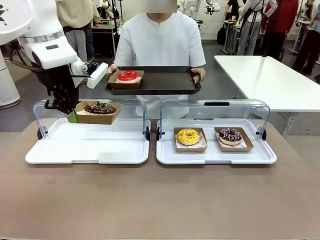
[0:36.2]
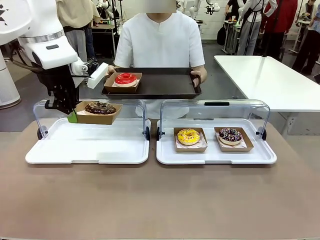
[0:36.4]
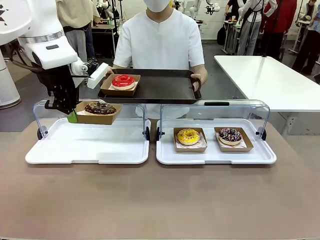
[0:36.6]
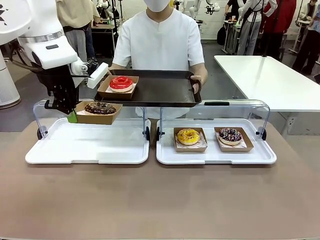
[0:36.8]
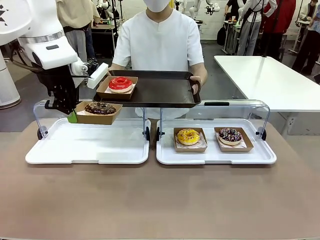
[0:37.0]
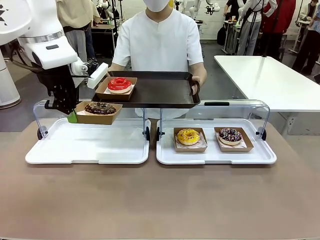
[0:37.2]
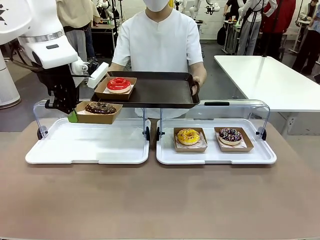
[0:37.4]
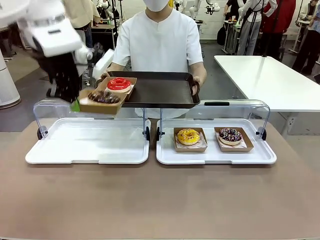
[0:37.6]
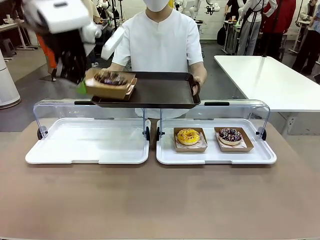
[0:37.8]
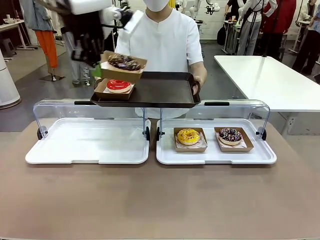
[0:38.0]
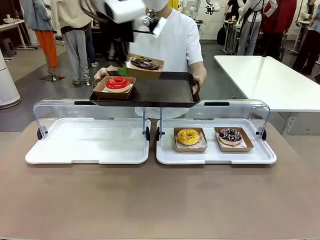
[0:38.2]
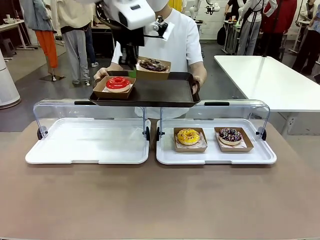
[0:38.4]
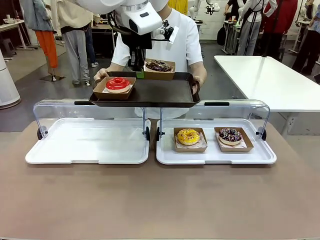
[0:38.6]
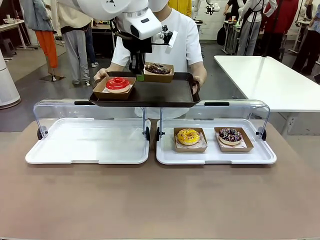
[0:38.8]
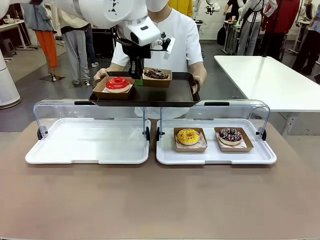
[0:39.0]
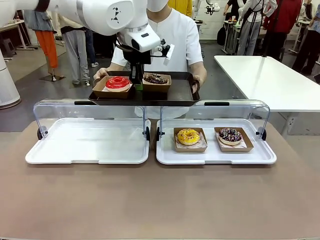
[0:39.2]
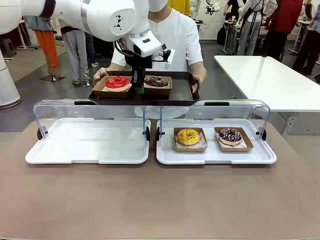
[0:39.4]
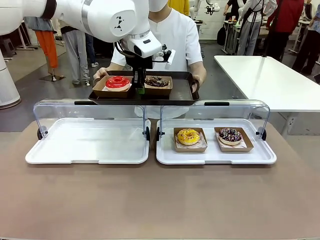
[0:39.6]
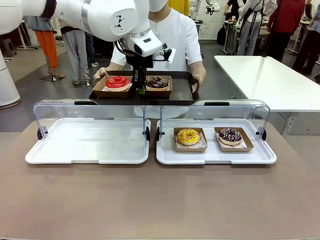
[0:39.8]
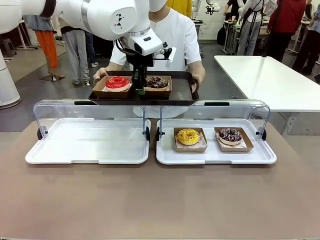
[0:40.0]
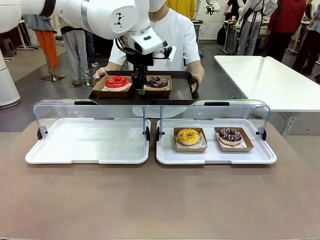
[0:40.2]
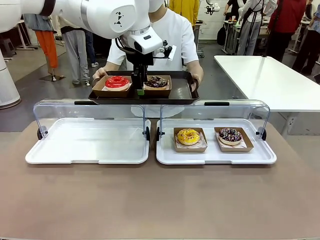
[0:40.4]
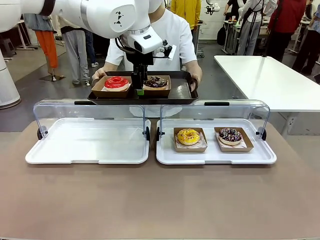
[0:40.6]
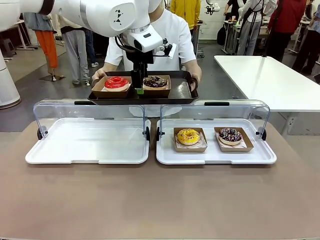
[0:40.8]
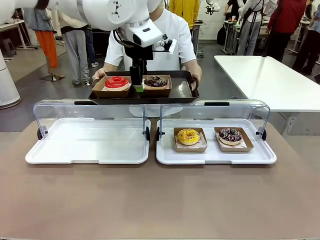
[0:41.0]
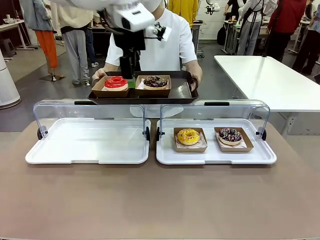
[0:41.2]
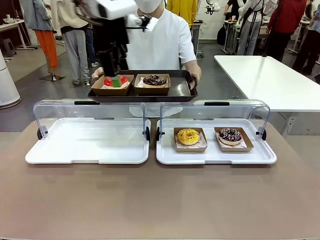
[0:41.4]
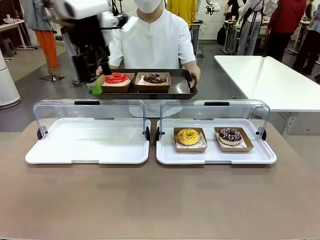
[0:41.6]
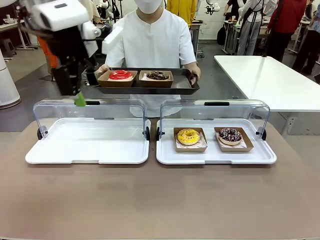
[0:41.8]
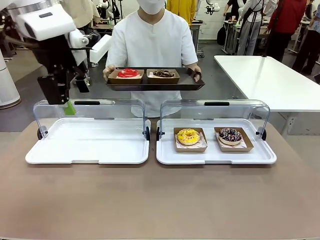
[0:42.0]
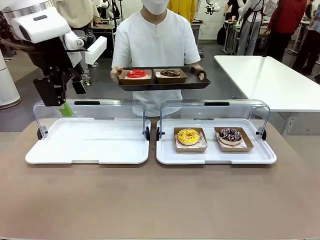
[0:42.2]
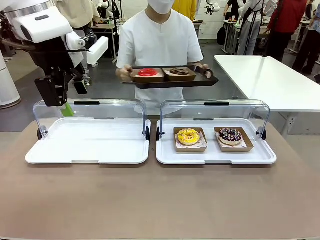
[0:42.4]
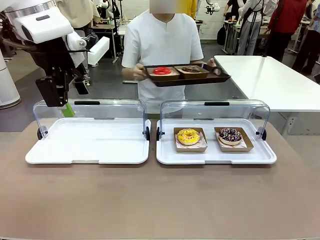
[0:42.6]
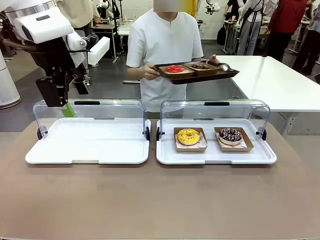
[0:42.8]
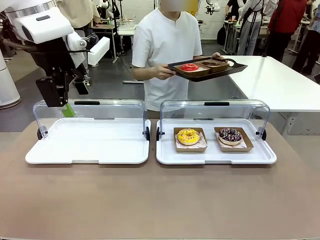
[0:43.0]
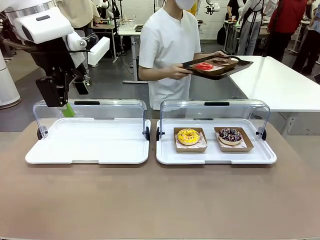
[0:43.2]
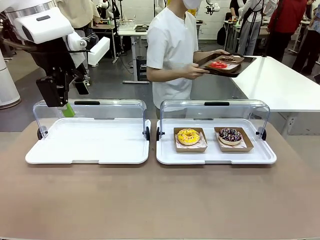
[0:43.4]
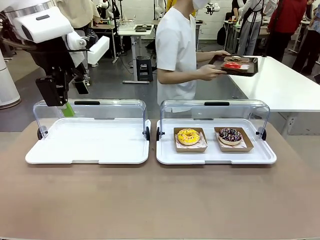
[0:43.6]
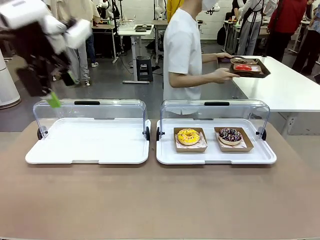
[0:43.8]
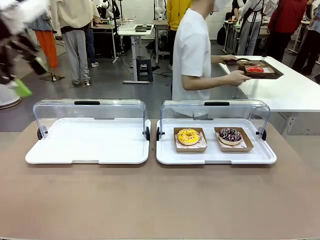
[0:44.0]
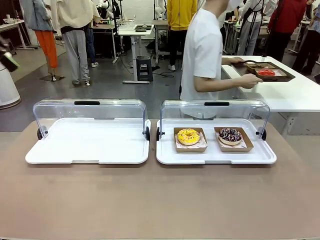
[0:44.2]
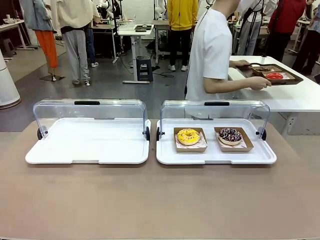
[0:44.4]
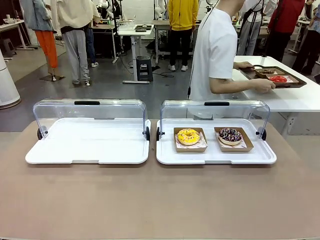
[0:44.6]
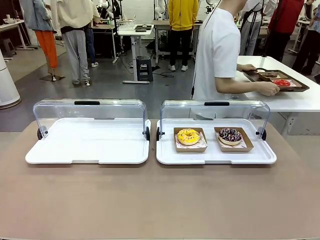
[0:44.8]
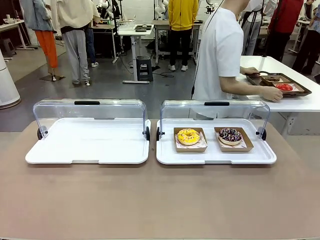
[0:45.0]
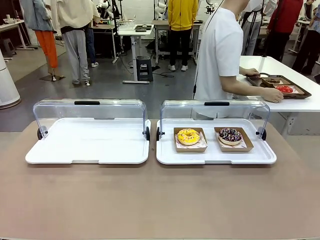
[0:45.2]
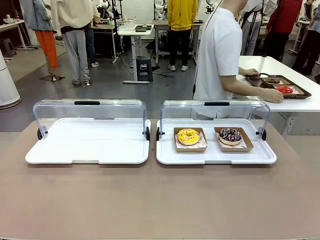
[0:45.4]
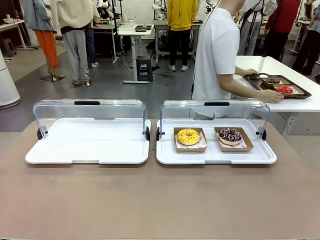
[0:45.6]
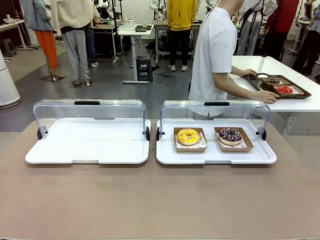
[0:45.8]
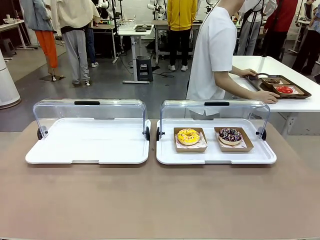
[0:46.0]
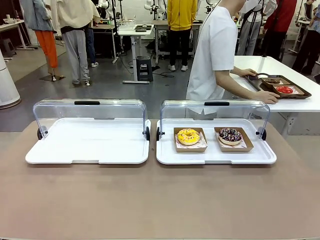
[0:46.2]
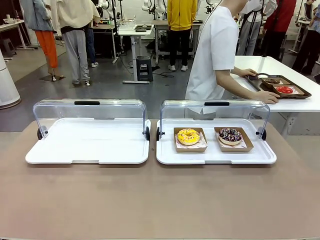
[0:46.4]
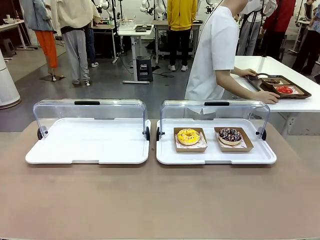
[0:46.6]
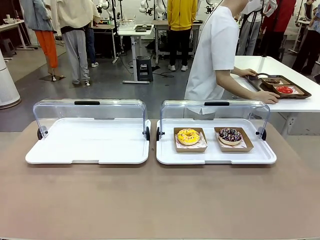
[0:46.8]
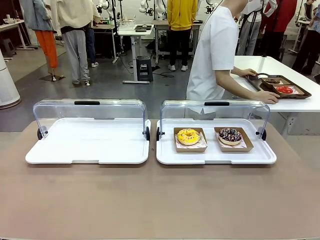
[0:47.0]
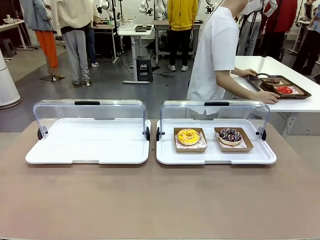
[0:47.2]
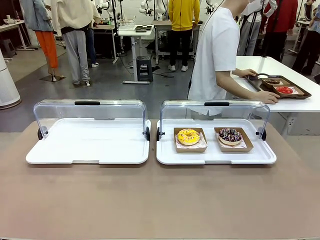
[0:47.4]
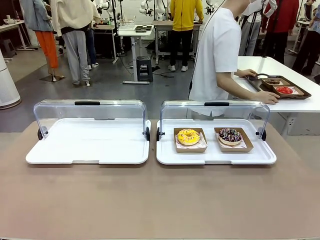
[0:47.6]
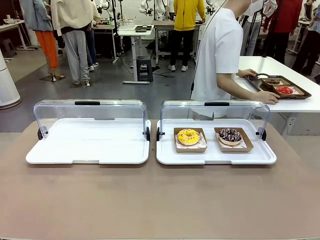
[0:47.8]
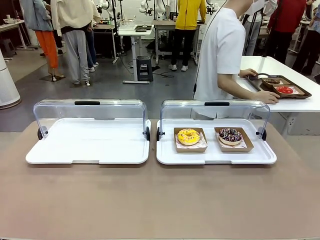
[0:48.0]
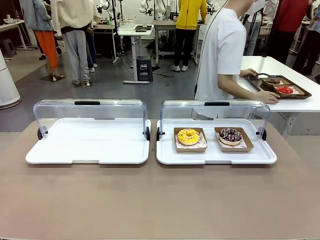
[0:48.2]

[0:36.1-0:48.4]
Task: Provide the desired donut to the person.
Robot: Place the picked Paper togo box onto the Handle tray extended by the person.
Person: Place the tray in the middle of the human table.

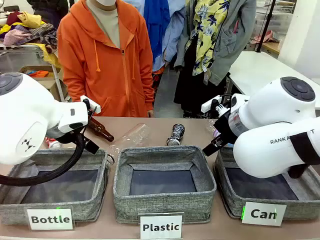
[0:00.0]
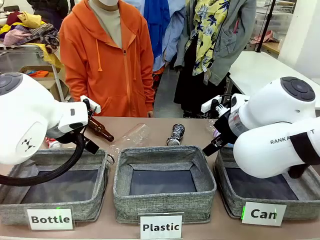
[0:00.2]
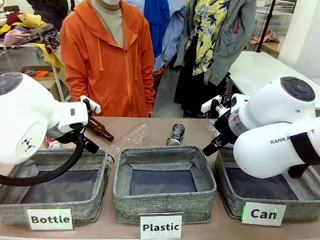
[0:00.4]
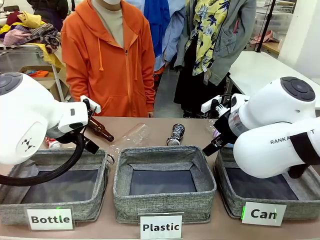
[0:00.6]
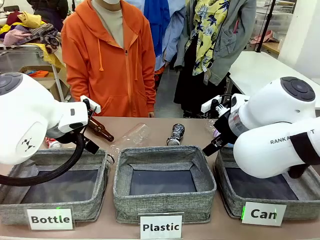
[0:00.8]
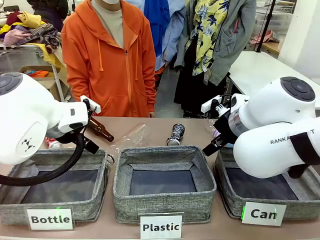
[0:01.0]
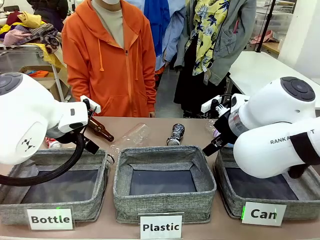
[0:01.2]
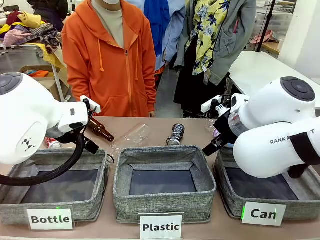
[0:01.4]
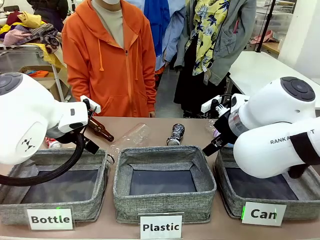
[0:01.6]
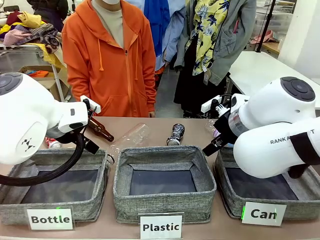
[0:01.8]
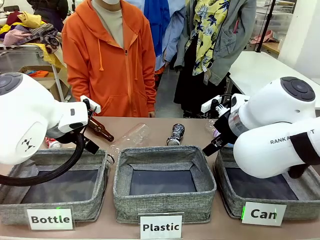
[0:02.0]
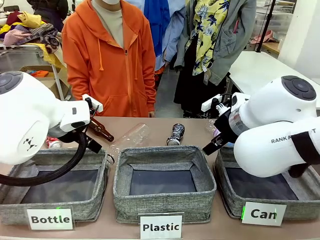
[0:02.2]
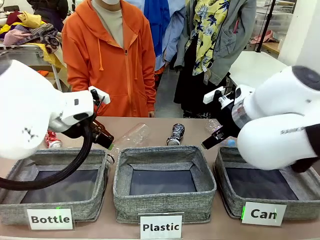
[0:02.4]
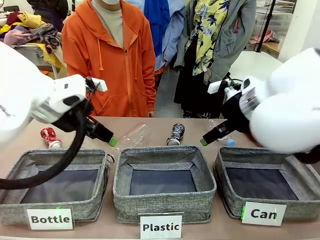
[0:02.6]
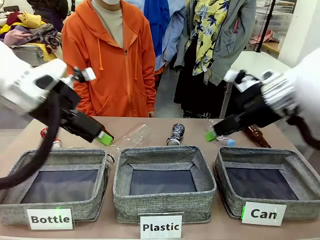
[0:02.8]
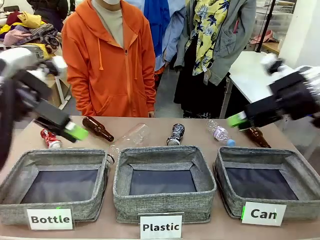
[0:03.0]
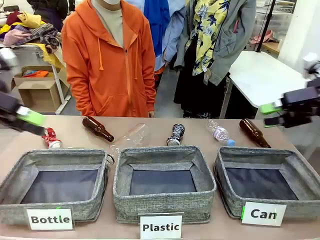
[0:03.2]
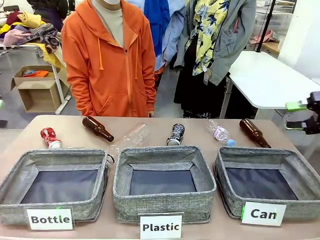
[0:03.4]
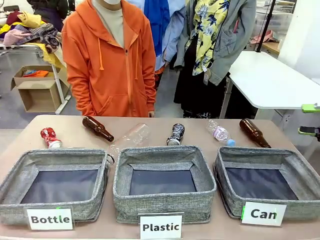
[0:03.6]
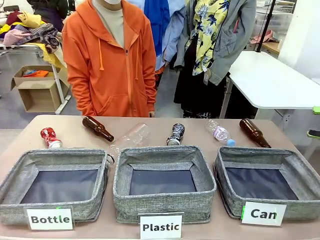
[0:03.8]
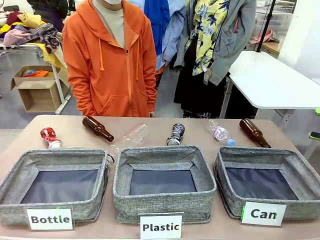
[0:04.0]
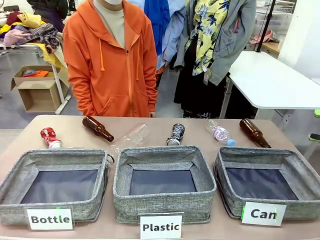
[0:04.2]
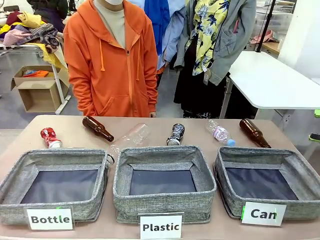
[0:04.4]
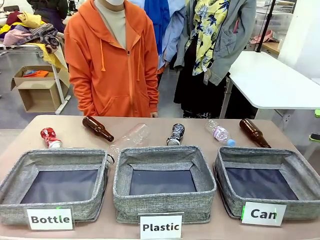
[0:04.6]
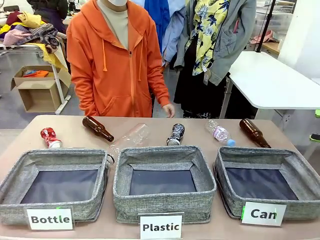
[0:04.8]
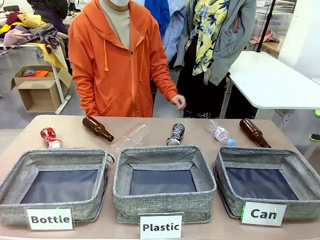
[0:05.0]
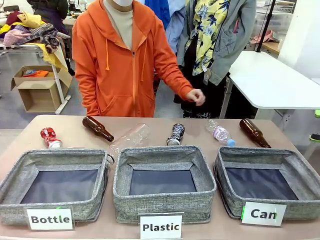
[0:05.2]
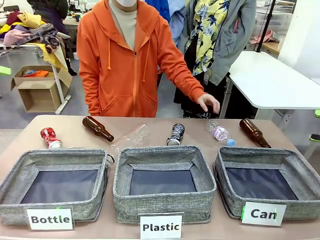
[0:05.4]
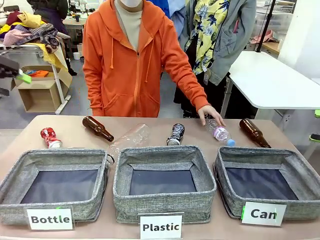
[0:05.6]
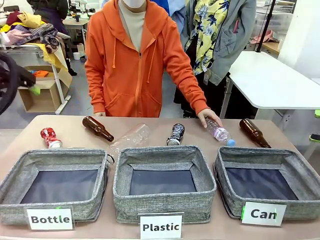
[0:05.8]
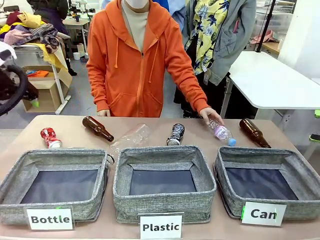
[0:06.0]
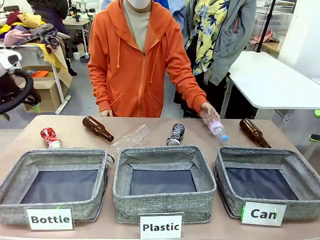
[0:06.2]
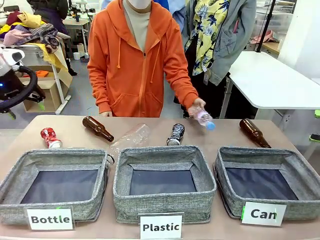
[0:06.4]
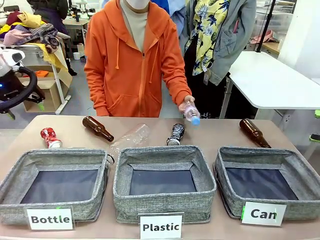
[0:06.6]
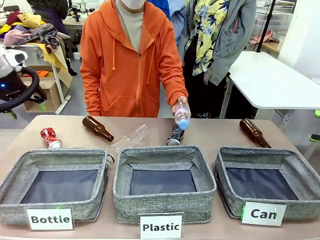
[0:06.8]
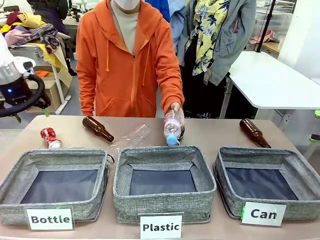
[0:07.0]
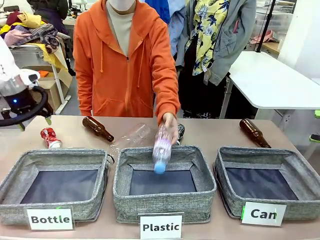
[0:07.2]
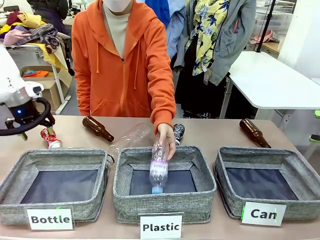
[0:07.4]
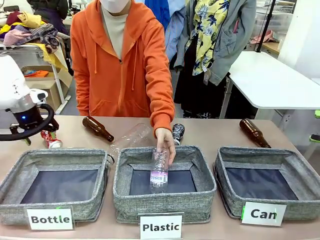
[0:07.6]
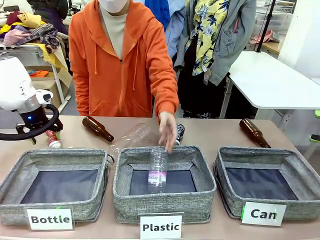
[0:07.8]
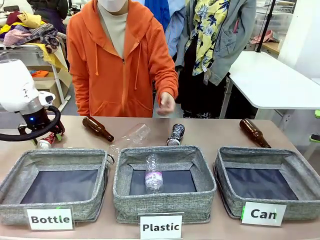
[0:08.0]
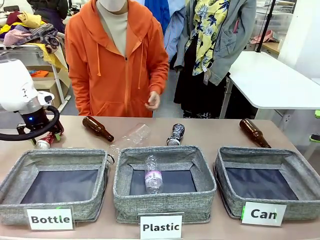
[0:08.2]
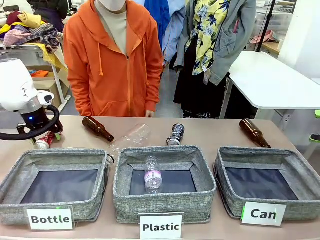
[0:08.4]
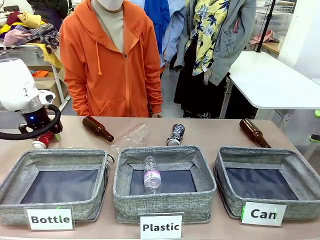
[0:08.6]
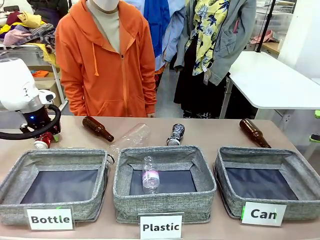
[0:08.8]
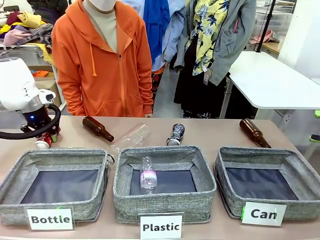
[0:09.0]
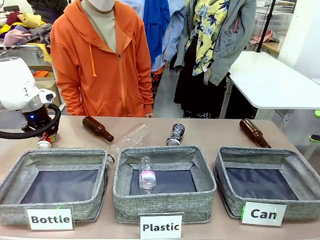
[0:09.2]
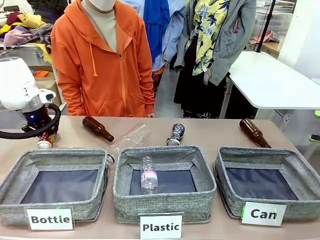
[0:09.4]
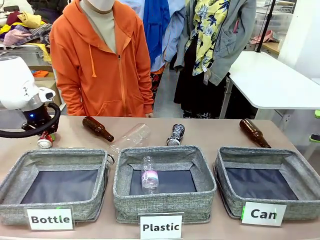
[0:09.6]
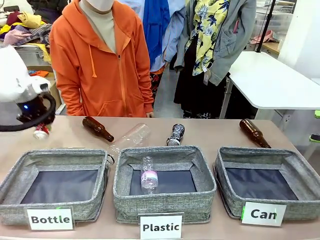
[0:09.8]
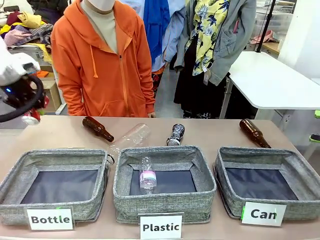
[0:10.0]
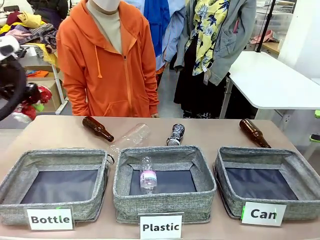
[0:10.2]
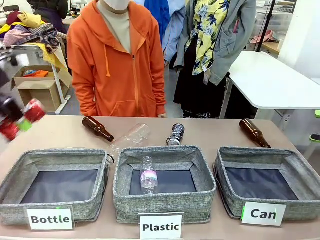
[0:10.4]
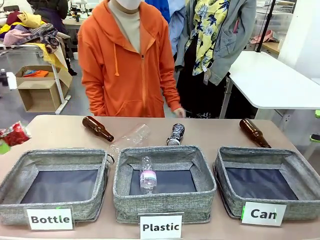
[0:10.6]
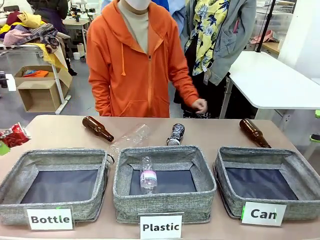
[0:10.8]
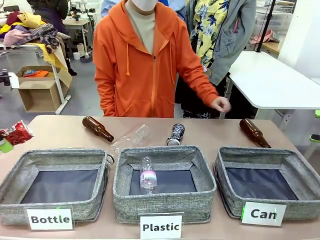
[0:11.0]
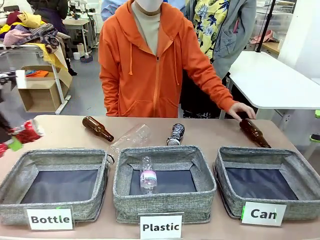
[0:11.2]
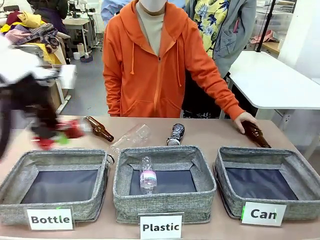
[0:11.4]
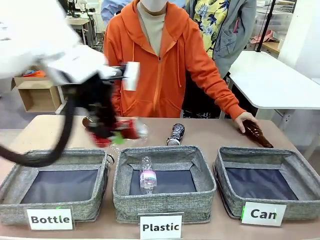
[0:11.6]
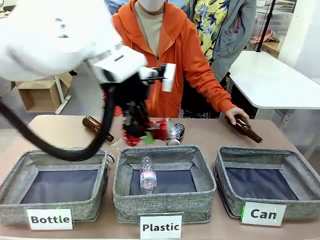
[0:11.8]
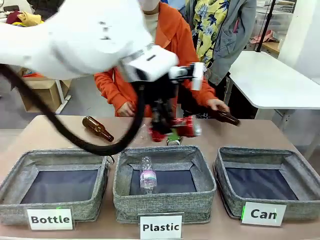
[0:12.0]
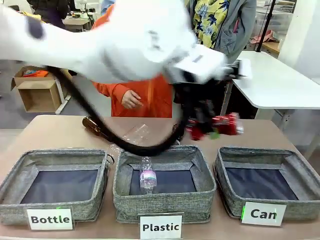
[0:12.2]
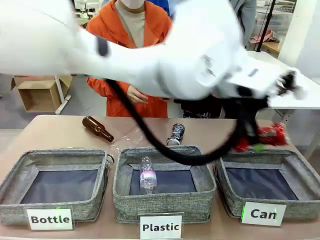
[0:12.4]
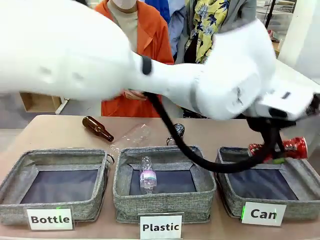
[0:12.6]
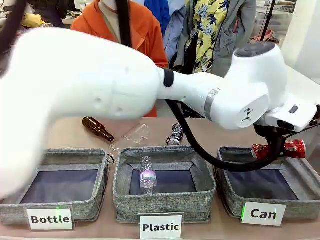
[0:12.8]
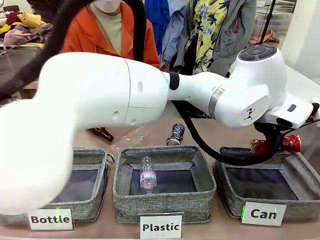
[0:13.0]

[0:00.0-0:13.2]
Task: Sort the can waste into the basket.
Robot: Pick up the can waste from the table and place it in the right Fabric basket.
